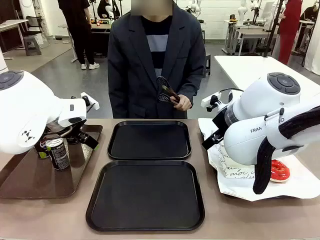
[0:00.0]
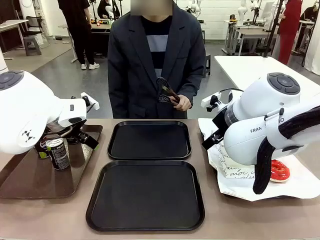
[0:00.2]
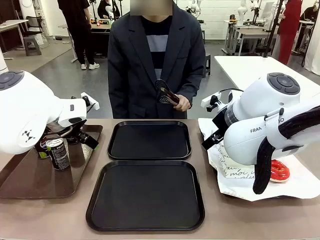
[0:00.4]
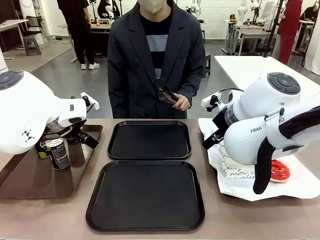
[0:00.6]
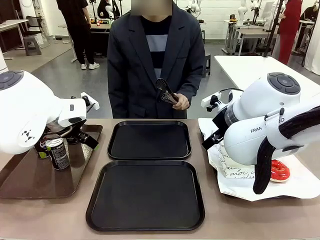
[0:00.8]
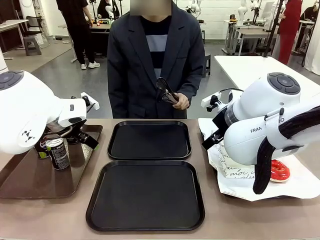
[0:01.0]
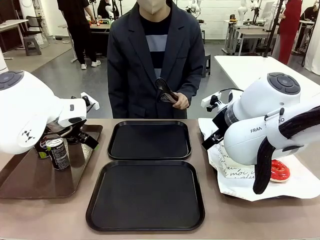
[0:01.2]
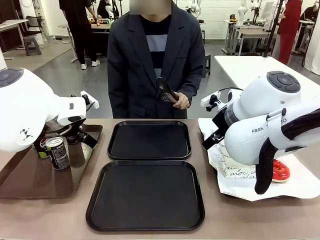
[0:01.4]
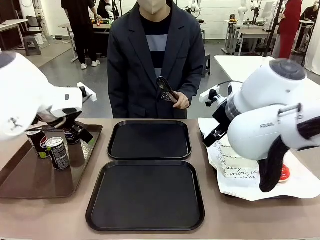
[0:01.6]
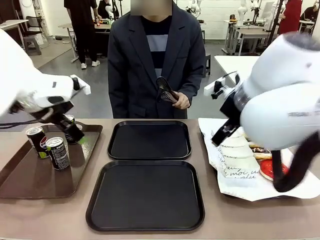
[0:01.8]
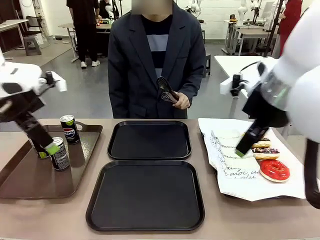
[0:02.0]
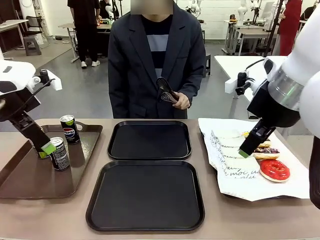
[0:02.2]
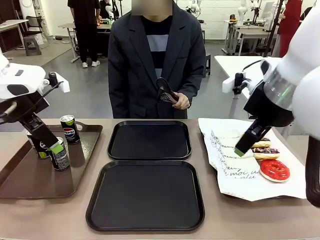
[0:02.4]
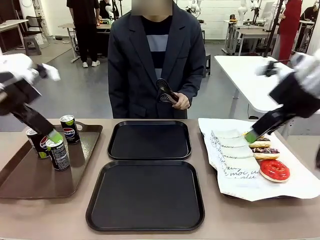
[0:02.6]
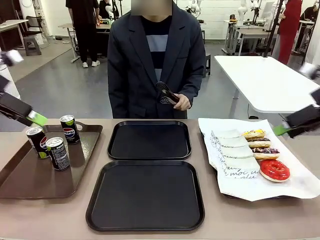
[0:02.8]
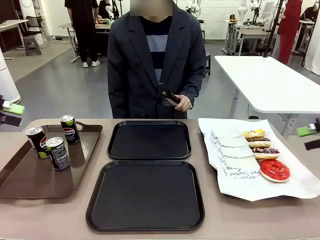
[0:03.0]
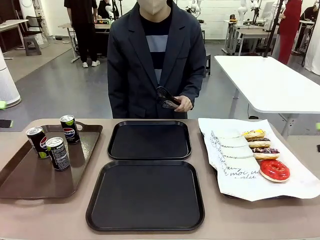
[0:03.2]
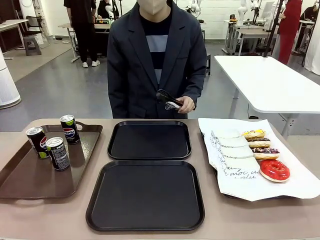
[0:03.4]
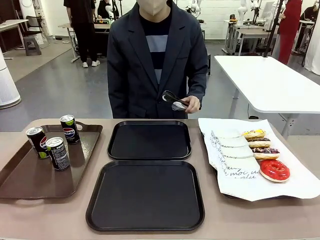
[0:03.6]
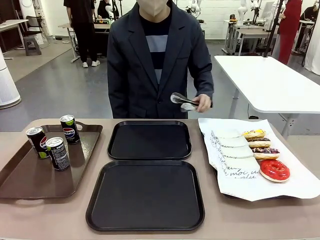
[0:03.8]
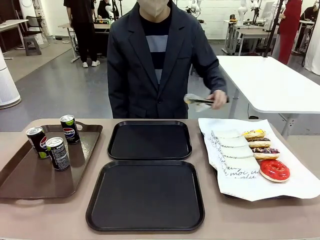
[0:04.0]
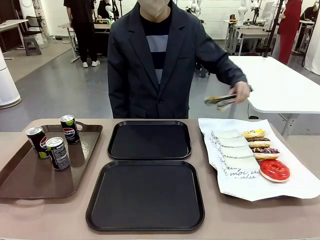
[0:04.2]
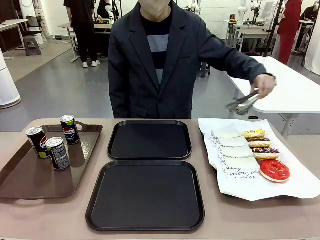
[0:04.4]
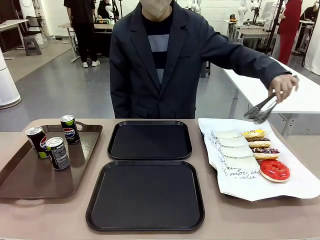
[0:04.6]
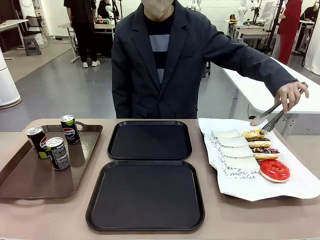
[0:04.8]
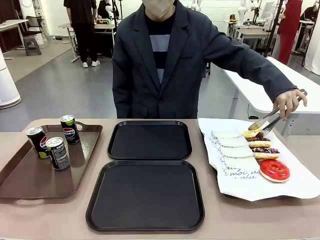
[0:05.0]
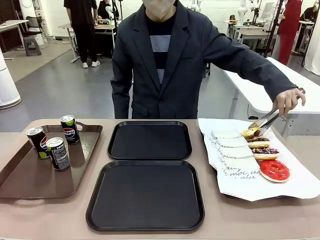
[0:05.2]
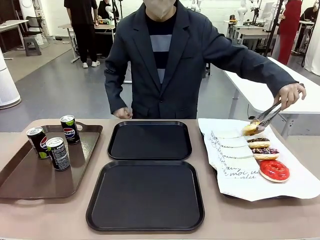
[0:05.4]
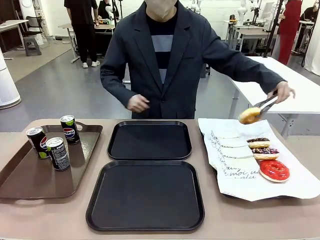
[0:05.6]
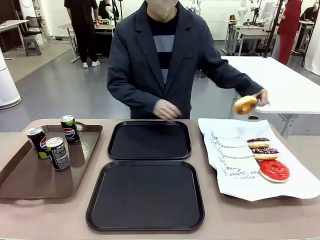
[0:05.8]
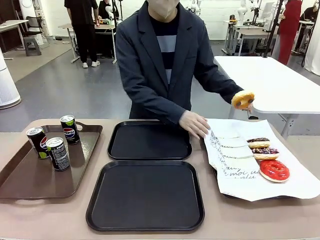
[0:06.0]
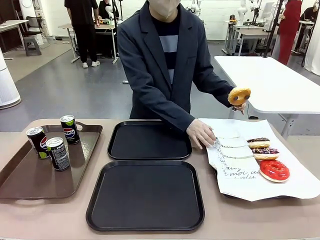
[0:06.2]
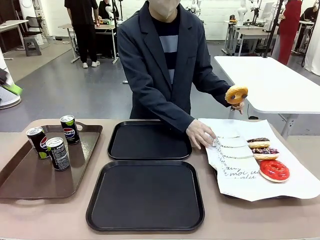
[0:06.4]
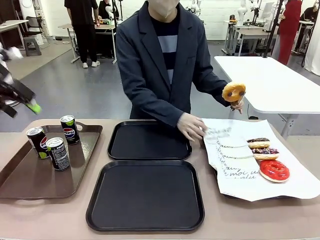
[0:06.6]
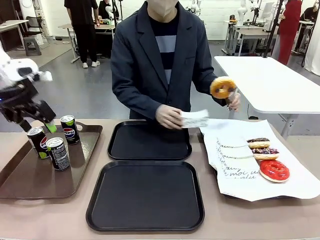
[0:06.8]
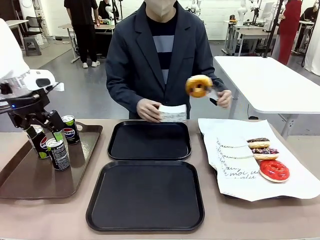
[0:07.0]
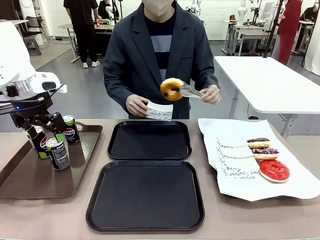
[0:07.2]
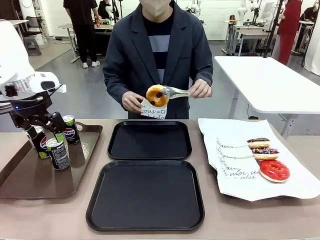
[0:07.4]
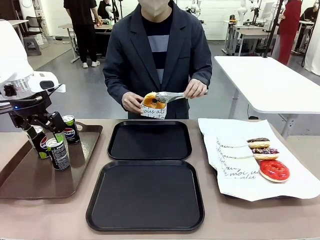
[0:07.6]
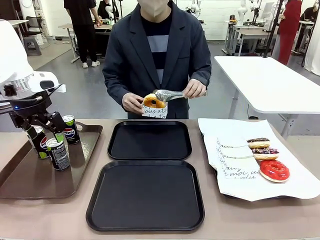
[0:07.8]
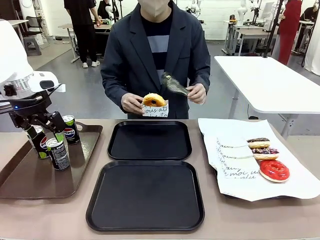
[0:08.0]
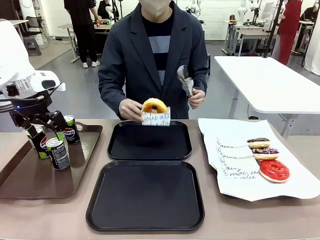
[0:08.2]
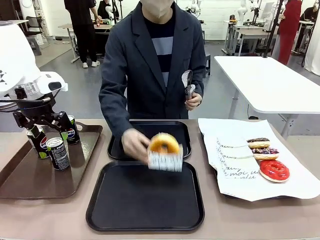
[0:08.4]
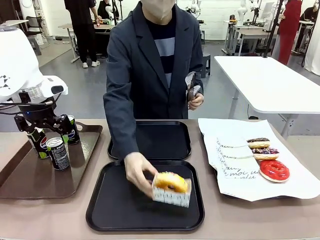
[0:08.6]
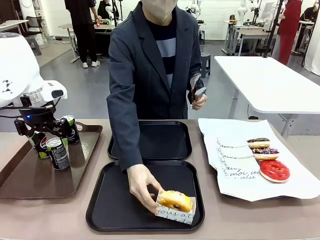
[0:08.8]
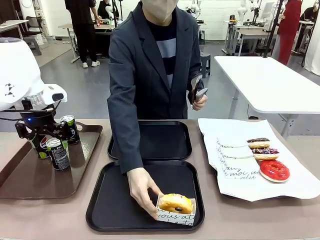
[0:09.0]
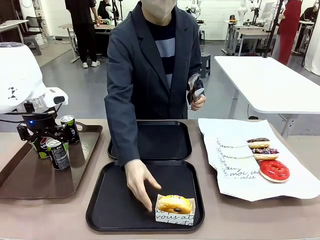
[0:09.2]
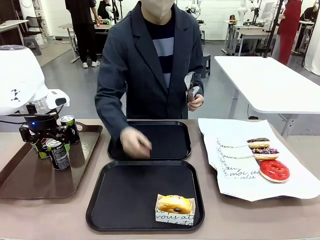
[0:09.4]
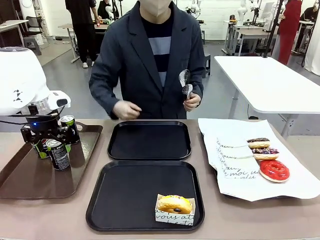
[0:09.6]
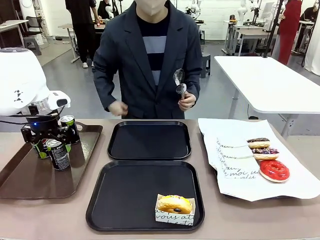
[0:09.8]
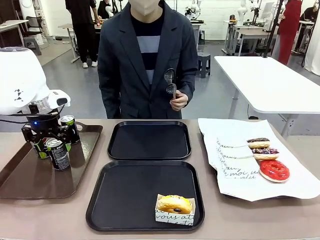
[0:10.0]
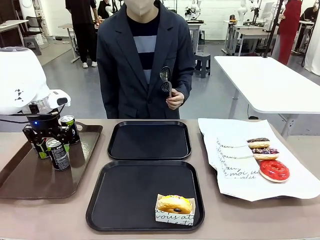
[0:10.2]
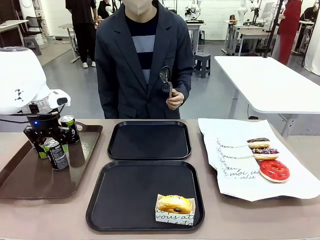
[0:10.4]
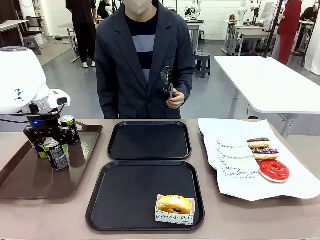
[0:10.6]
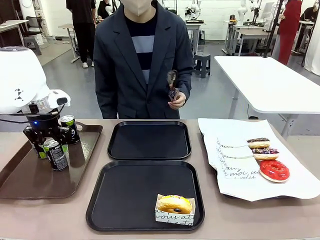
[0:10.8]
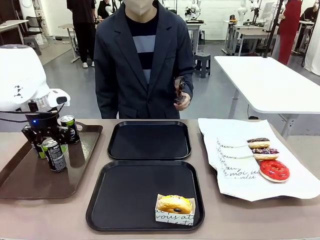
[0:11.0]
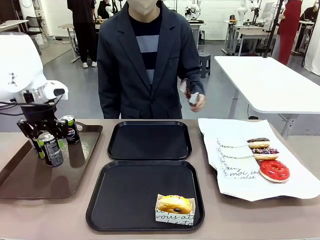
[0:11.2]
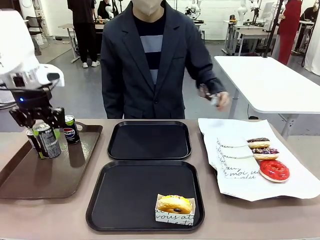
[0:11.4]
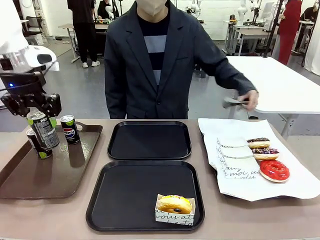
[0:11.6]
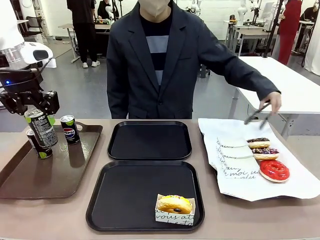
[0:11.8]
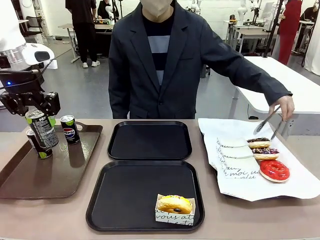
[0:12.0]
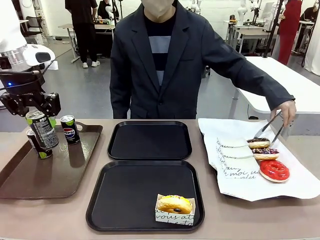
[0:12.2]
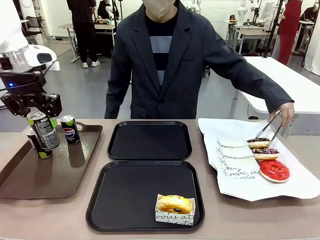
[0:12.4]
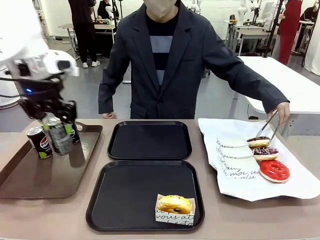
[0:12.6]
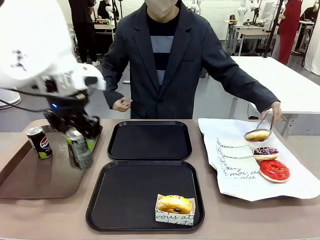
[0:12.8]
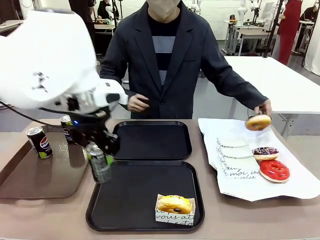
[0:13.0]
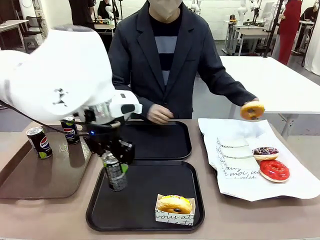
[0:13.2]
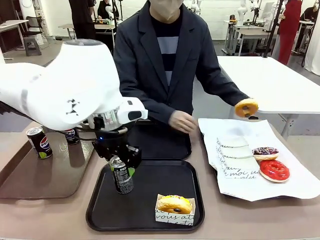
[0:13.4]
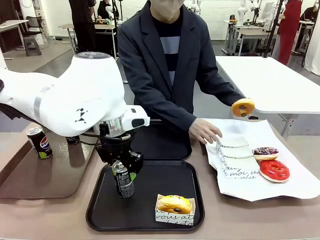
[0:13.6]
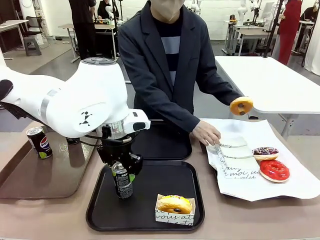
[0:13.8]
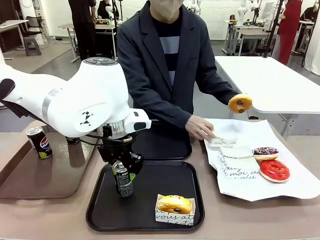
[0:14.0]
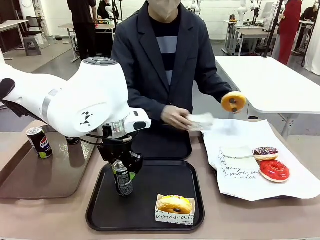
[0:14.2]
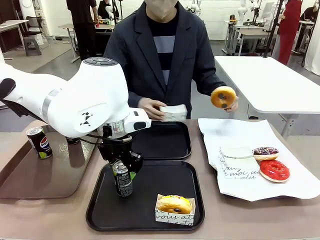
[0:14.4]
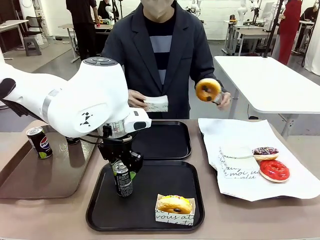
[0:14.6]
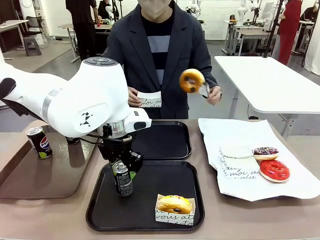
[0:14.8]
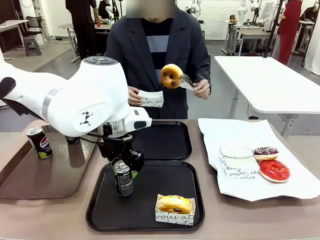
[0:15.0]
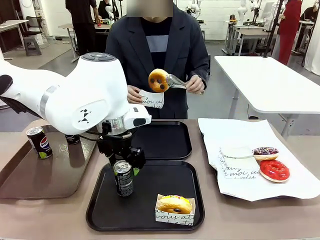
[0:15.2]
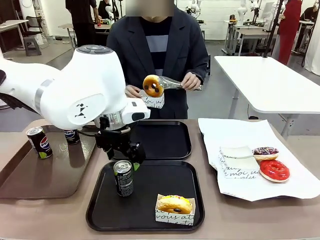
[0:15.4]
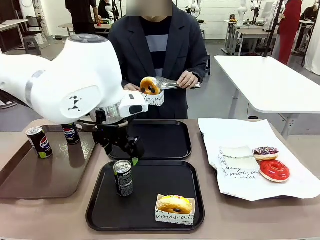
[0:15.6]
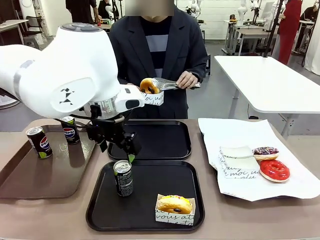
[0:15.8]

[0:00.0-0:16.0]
Task: Set up donuts and drinks on trays.
Robot: Pick up one Pepsi coke and place it on the Flat Tray.
